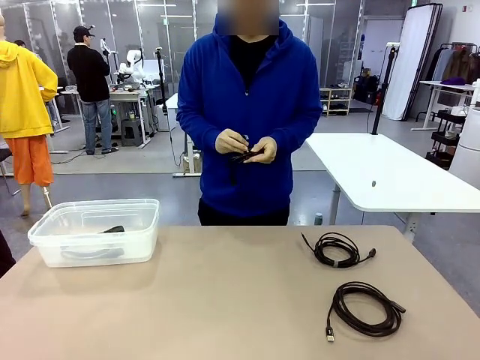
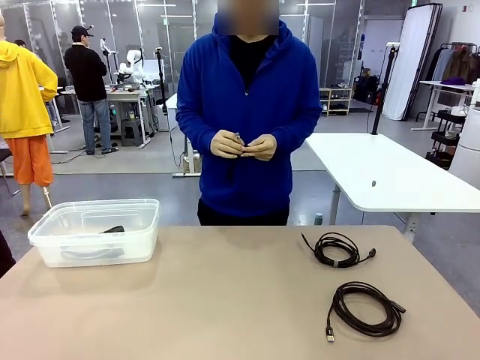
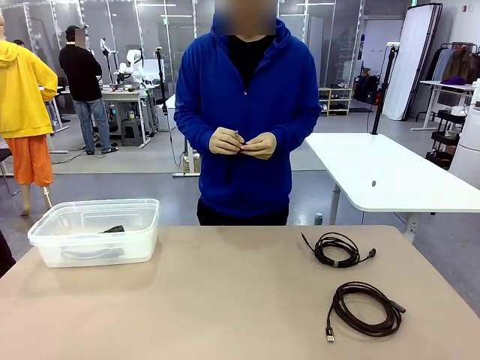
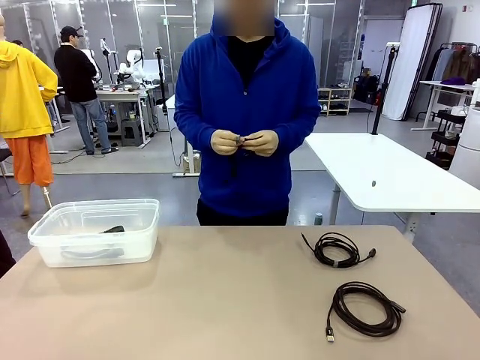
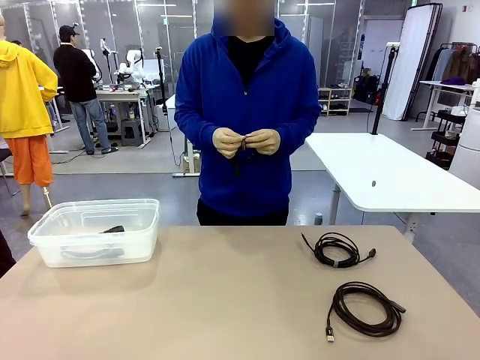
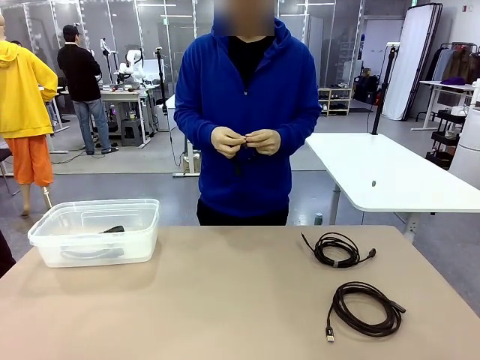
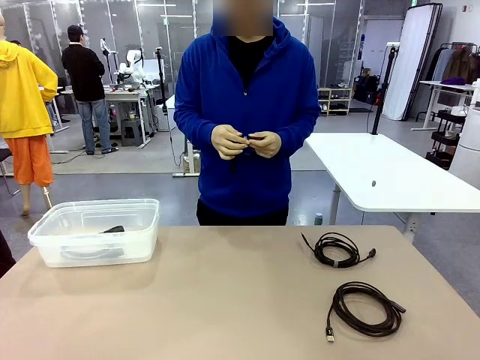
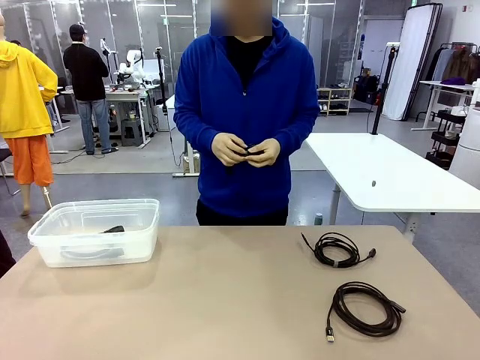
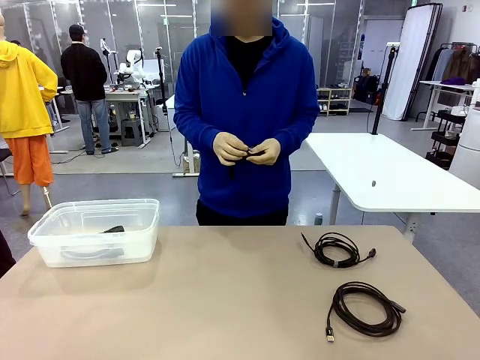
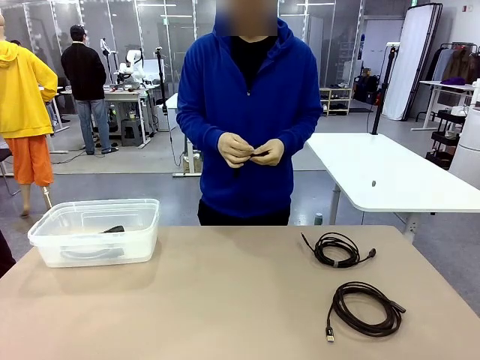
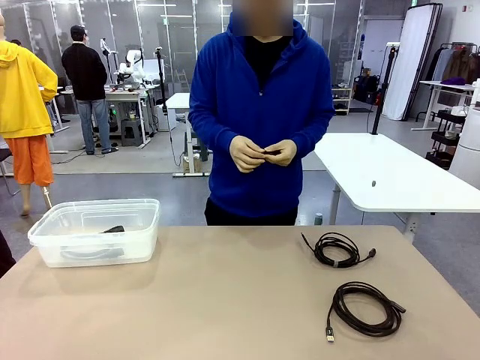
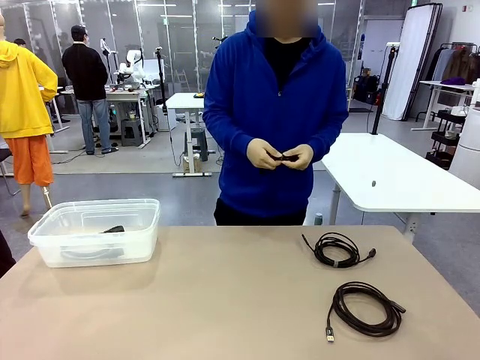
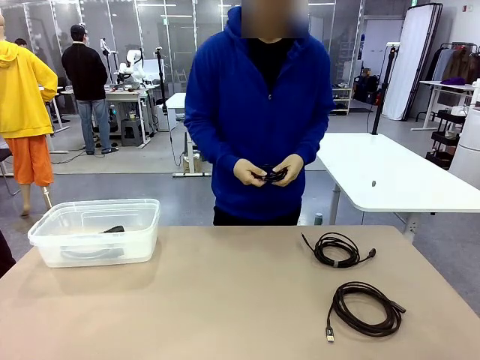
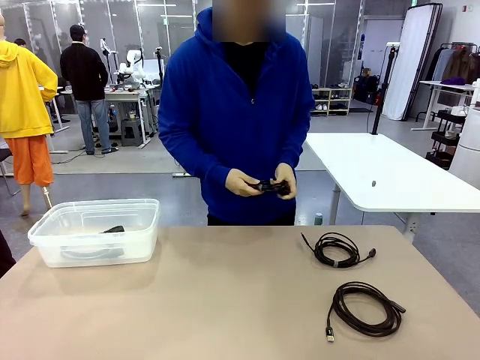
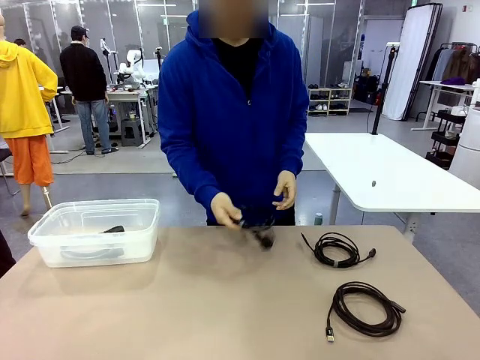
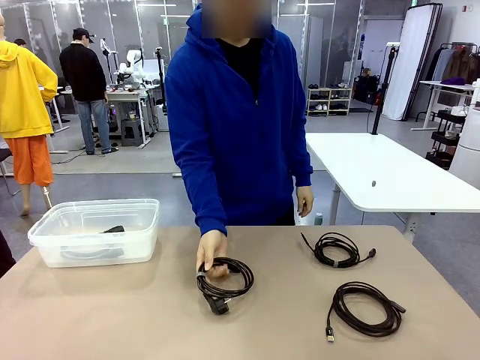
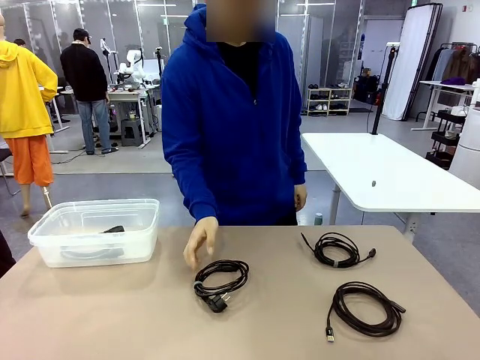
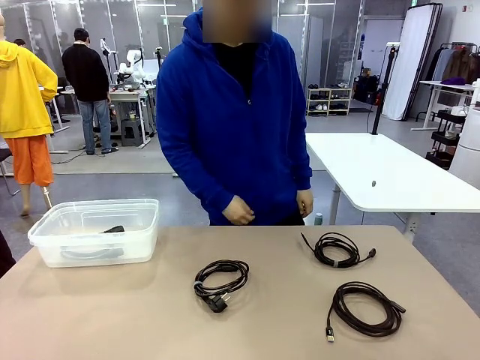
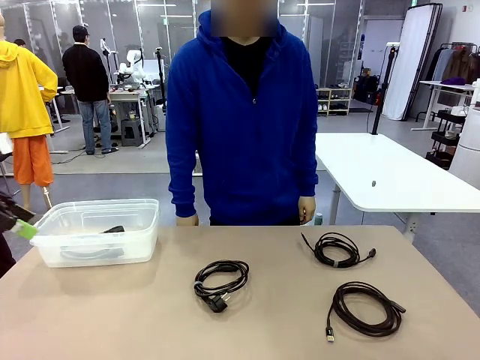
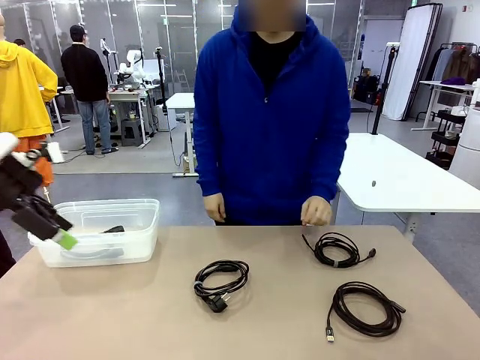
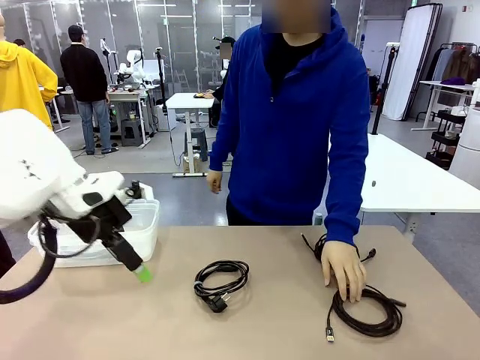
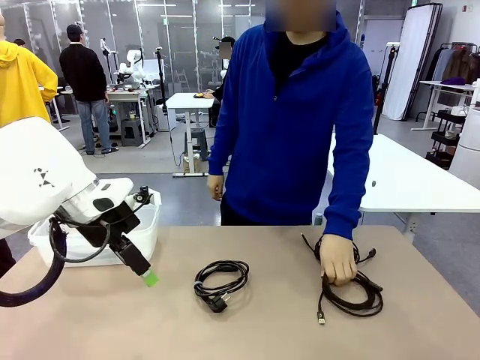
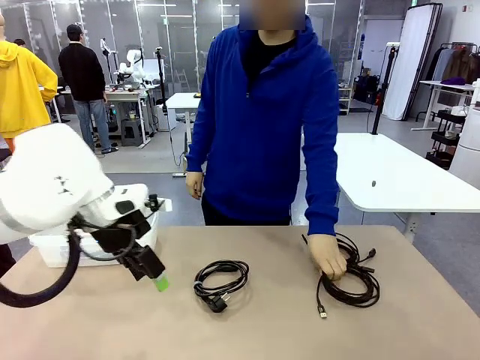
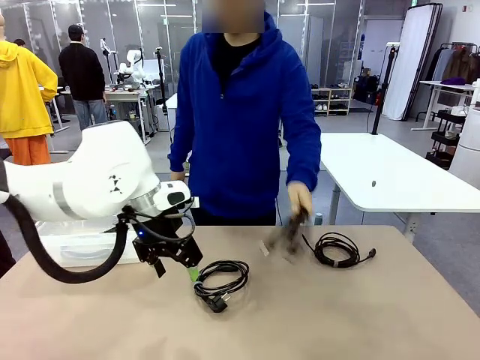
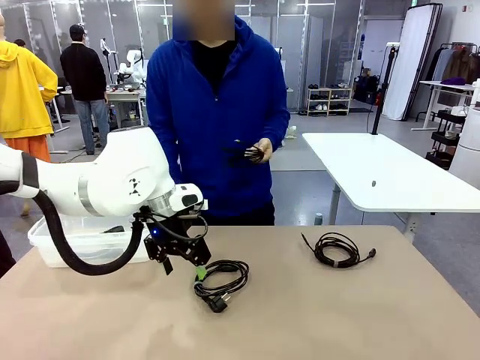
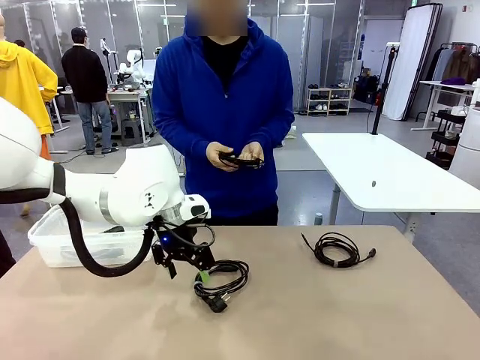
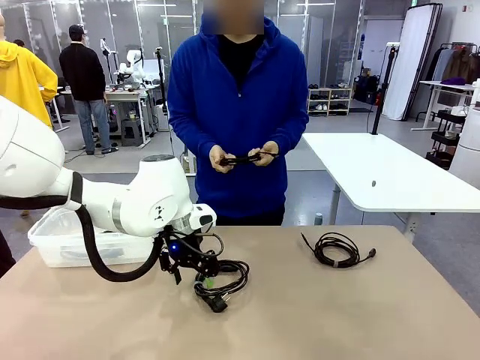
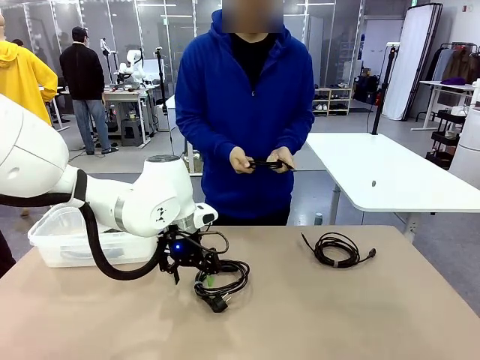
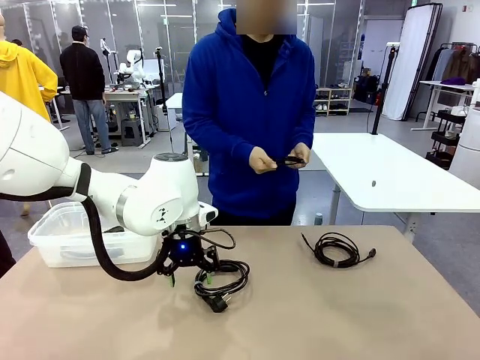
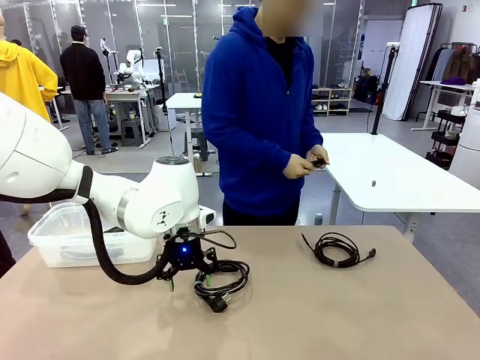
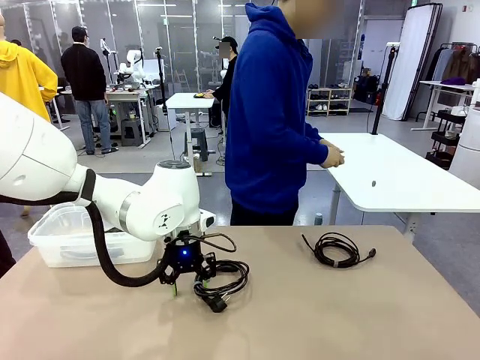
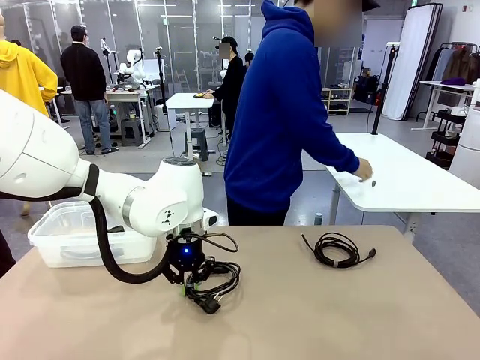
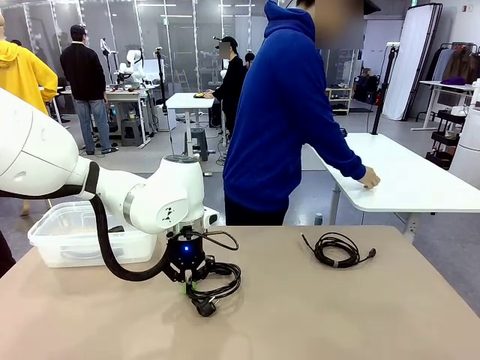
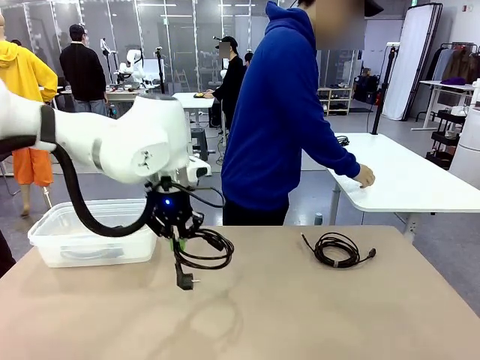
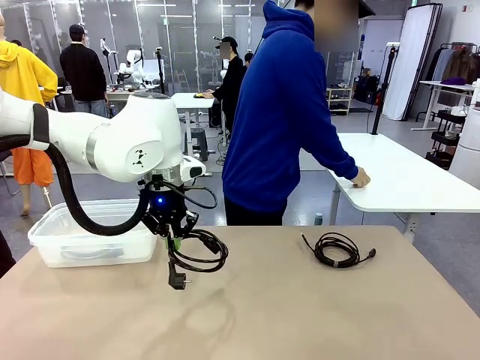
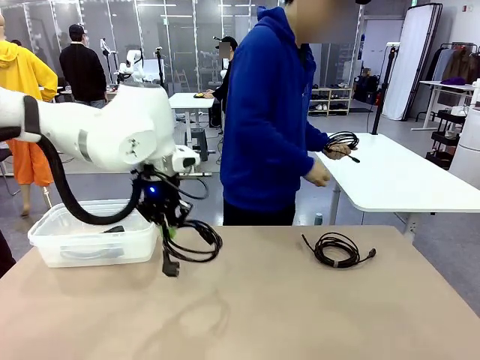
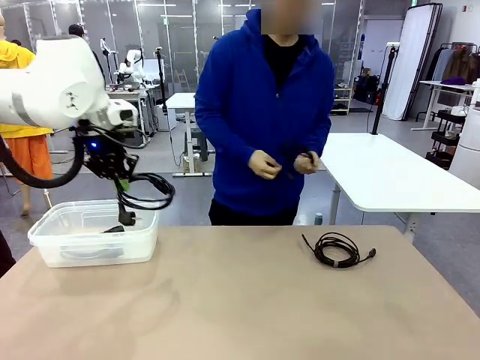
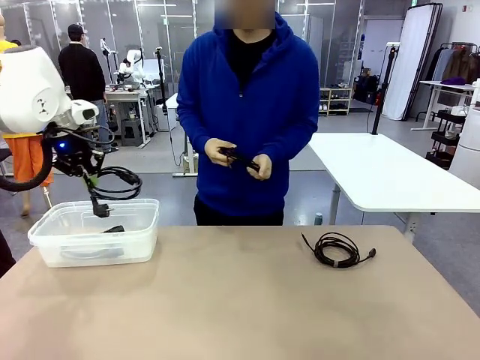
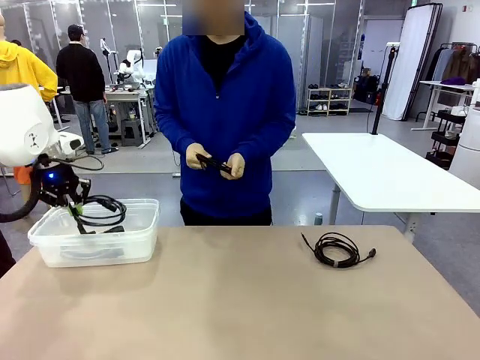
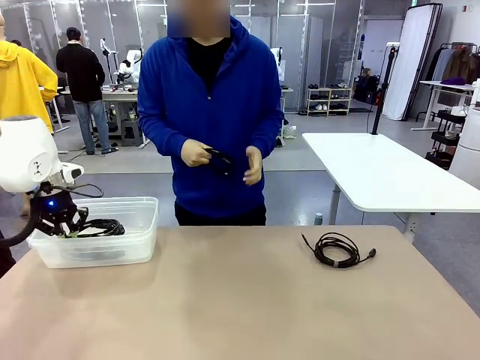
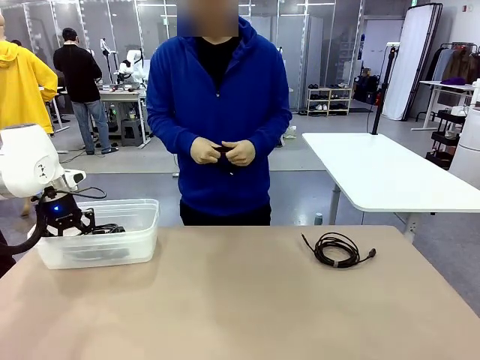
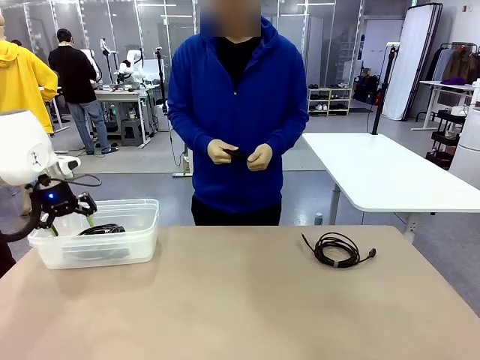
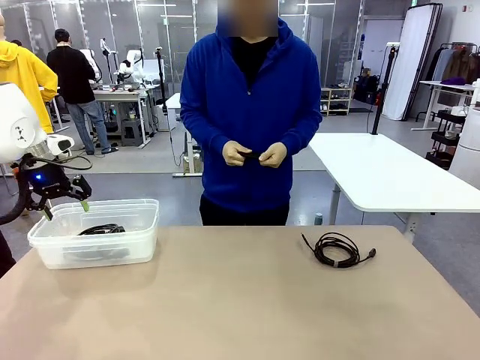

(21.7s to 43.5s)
Task: Organize and store the cables.
Robot: Place the Power Cable into the Organizing box.

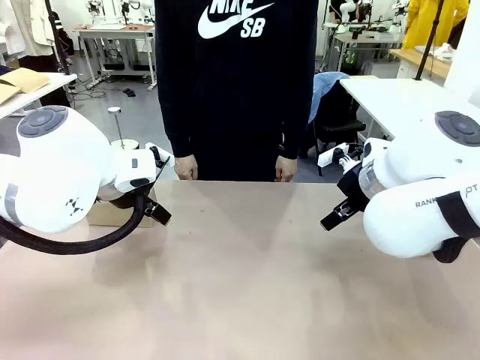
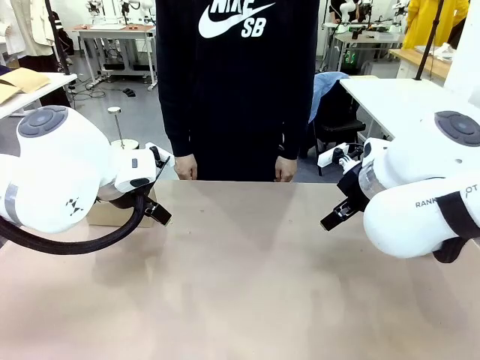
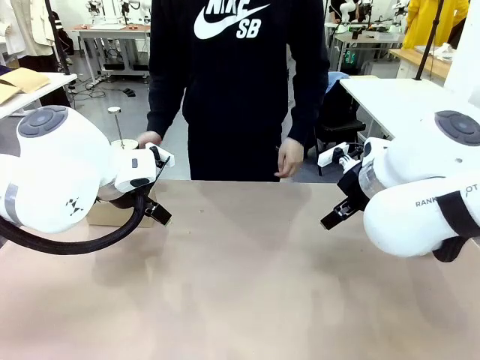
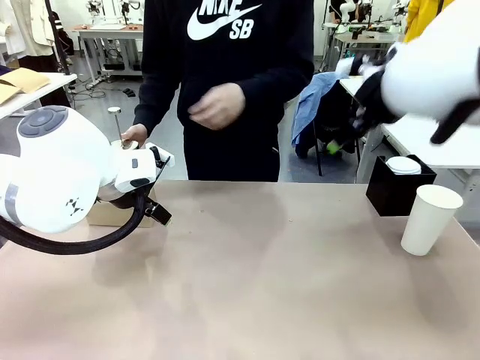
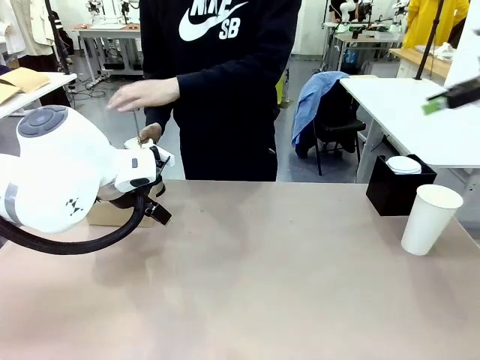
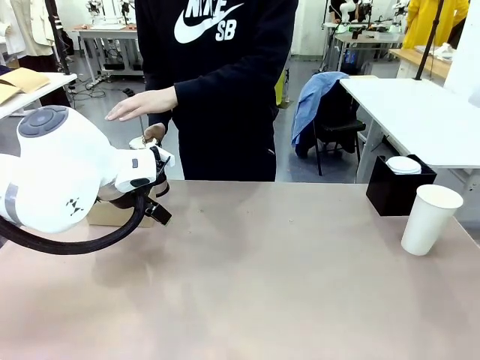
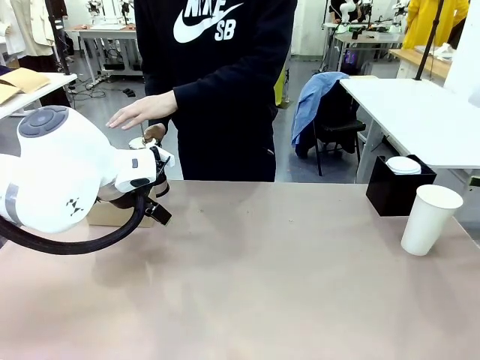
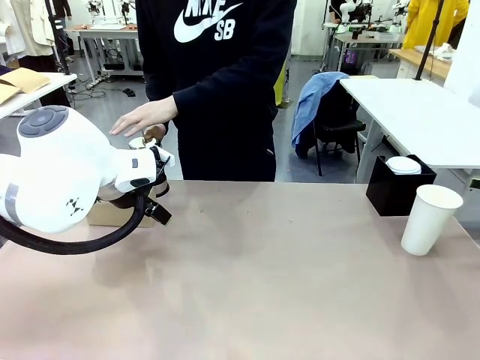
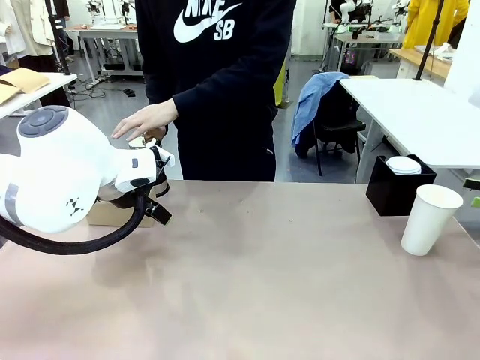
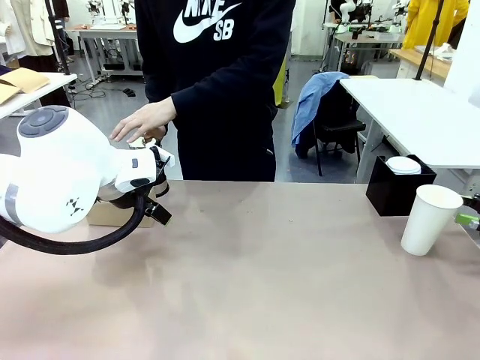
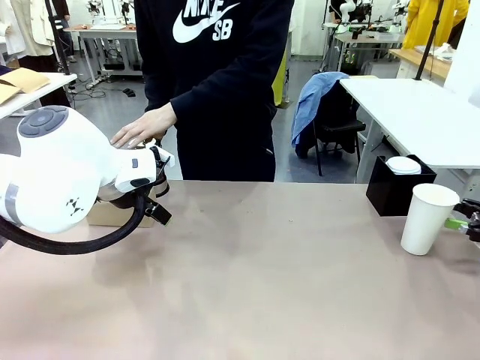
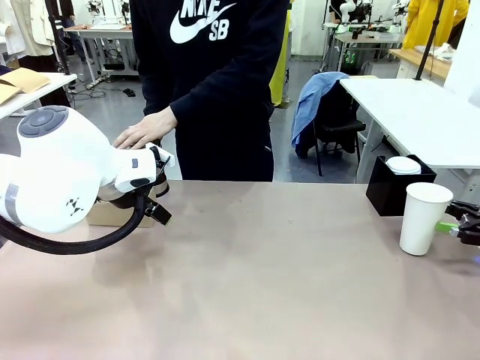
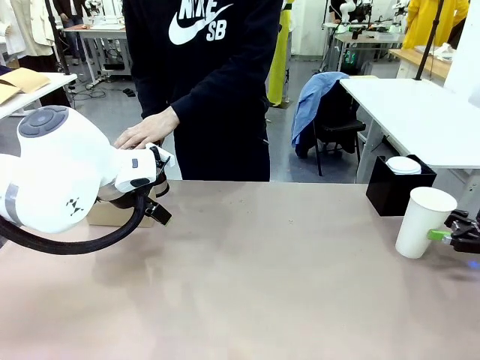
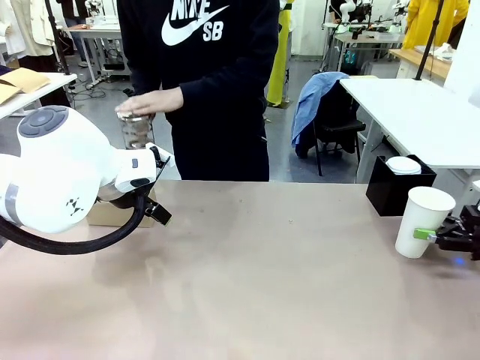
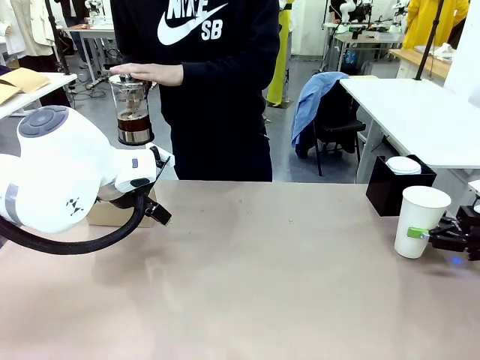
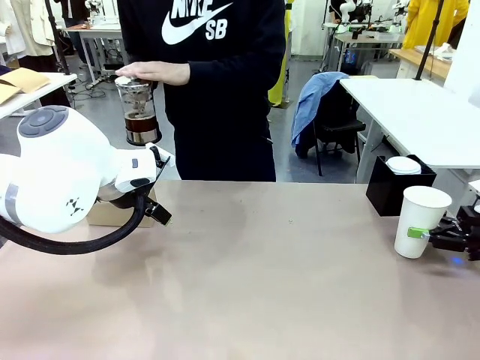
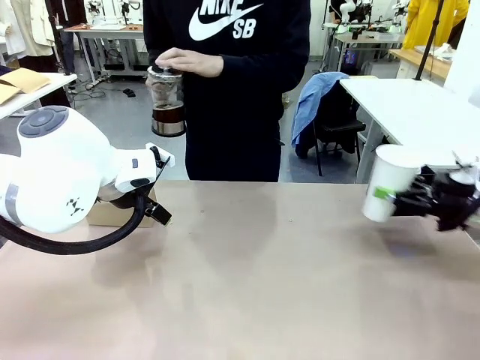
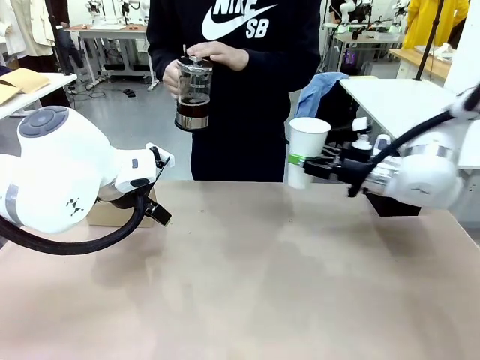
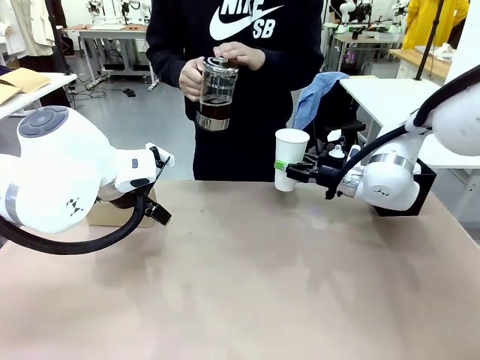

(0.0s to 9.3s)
Task: Pour a drink into a cup and package it in a carrier.
Robot: Pick up the 600 ml Paper Cup and place it in the middle top area of the table.
Person: Press and pick up the Filter Brewing.
